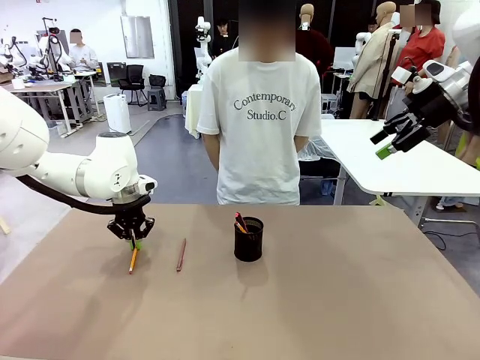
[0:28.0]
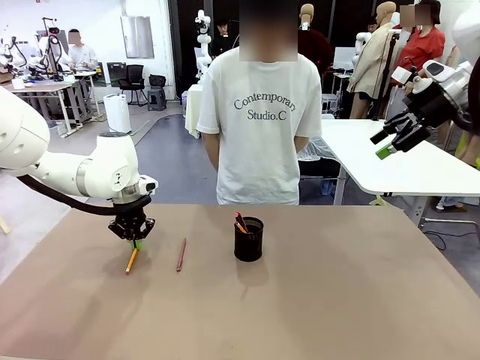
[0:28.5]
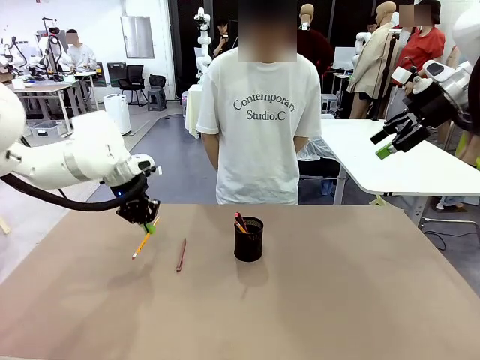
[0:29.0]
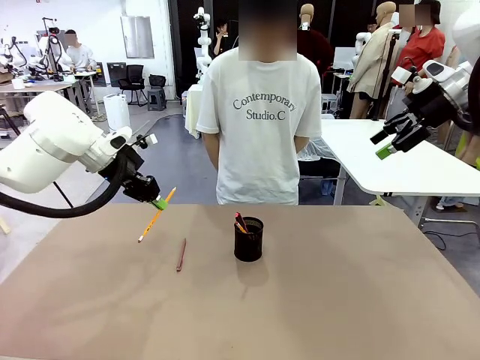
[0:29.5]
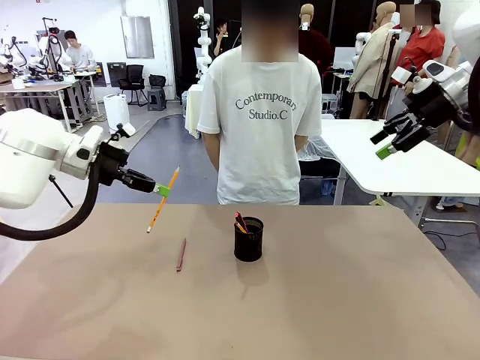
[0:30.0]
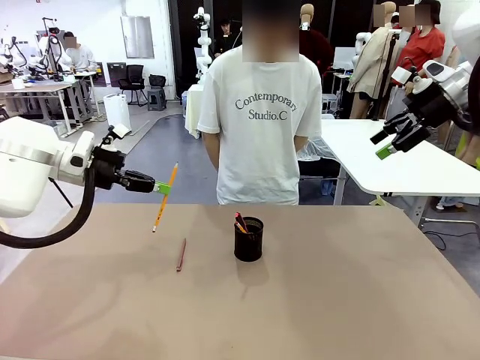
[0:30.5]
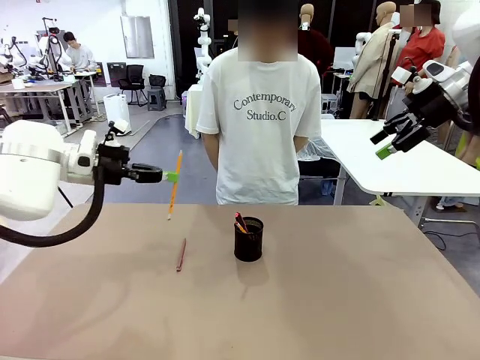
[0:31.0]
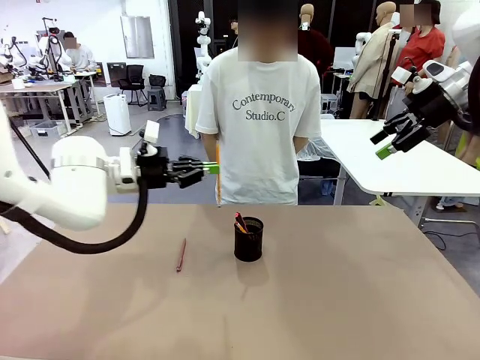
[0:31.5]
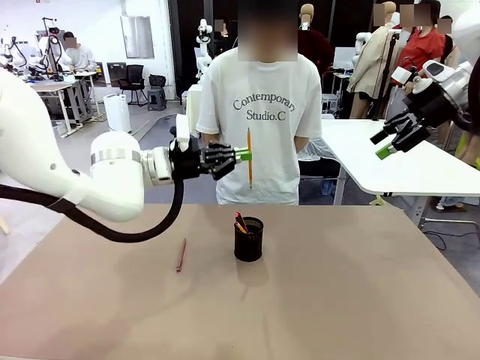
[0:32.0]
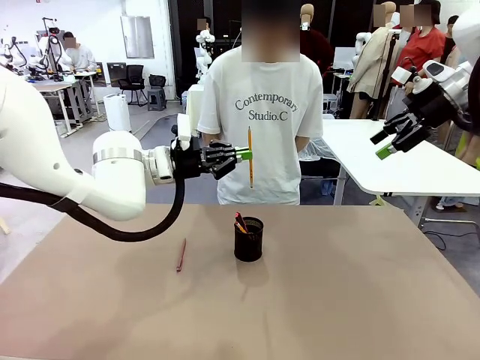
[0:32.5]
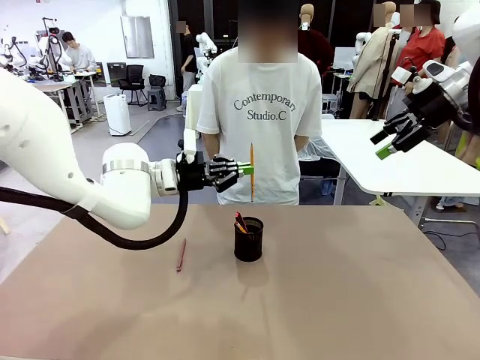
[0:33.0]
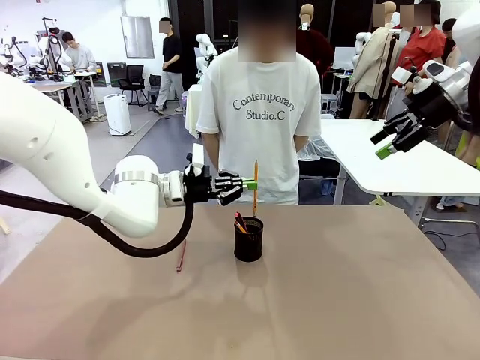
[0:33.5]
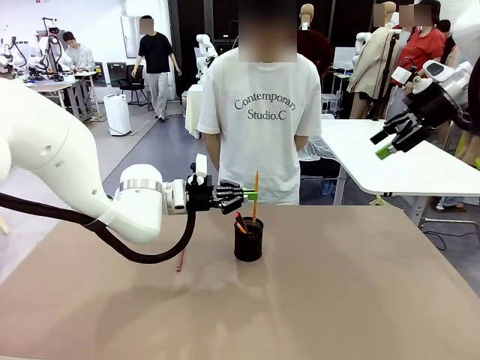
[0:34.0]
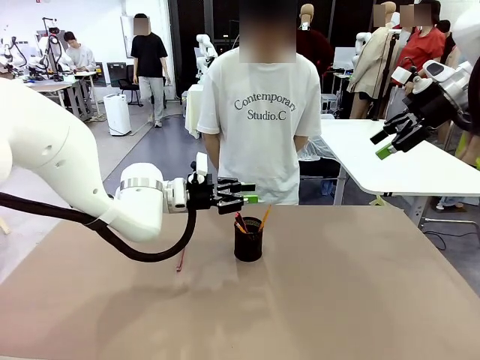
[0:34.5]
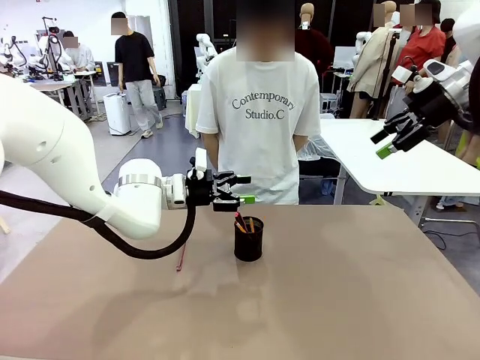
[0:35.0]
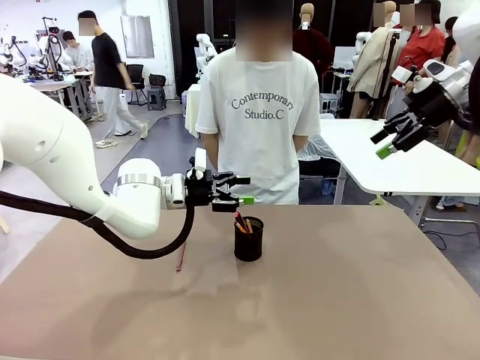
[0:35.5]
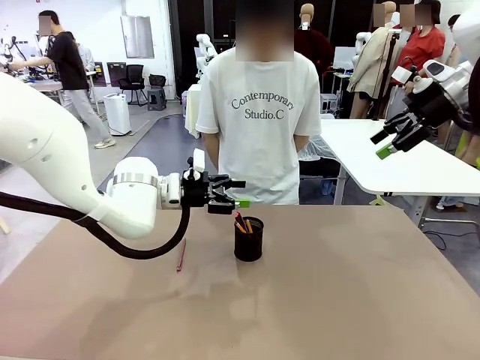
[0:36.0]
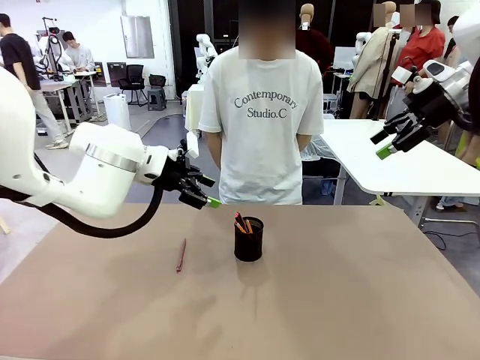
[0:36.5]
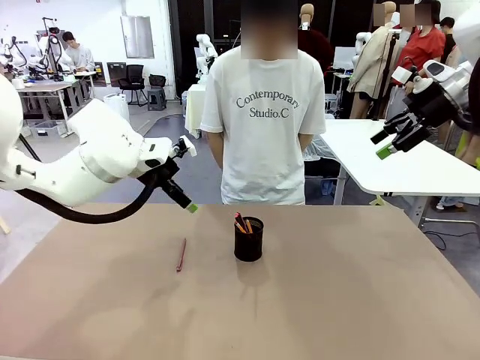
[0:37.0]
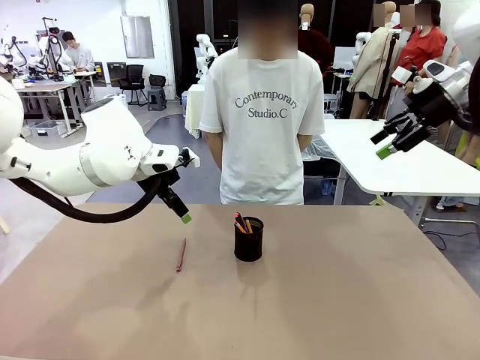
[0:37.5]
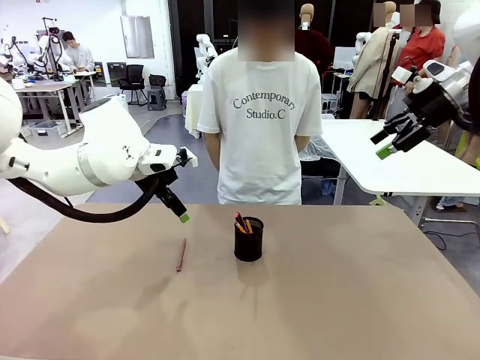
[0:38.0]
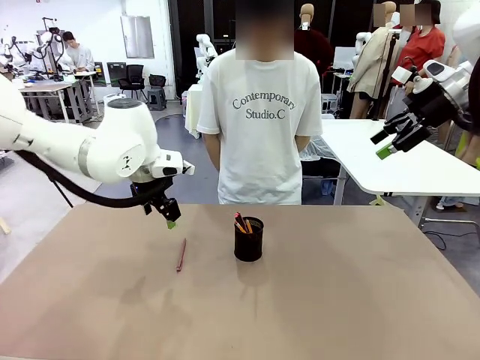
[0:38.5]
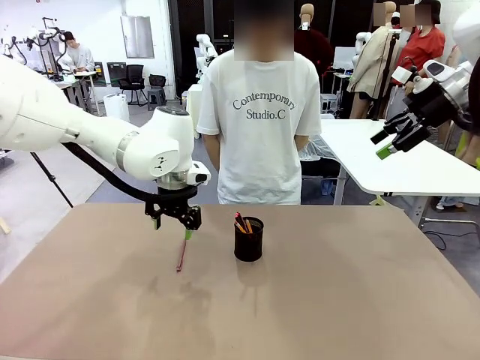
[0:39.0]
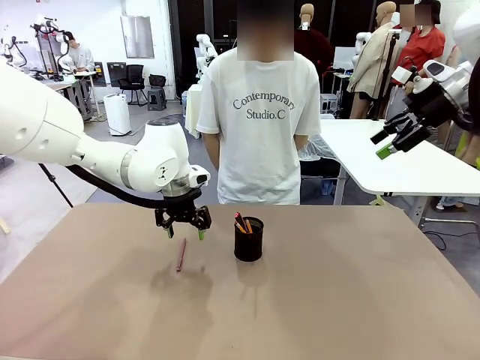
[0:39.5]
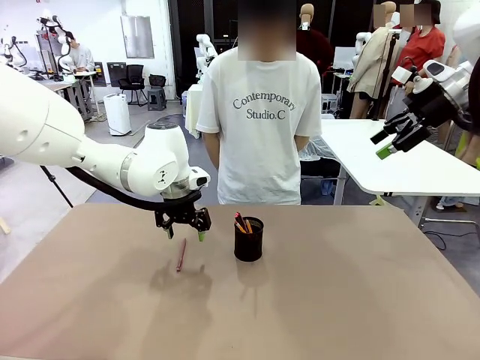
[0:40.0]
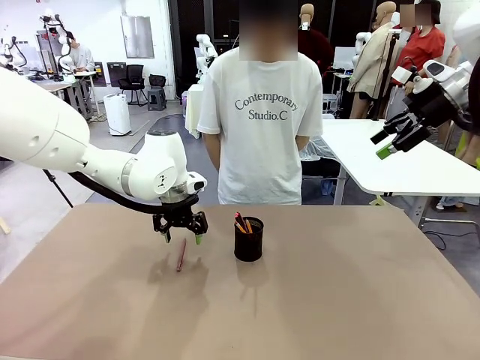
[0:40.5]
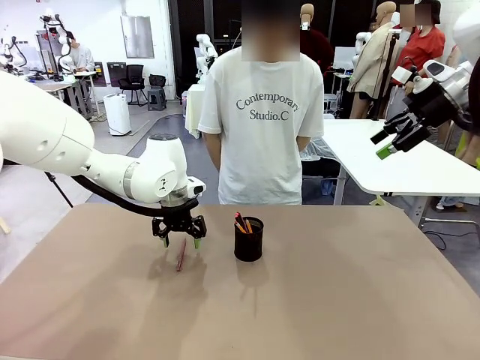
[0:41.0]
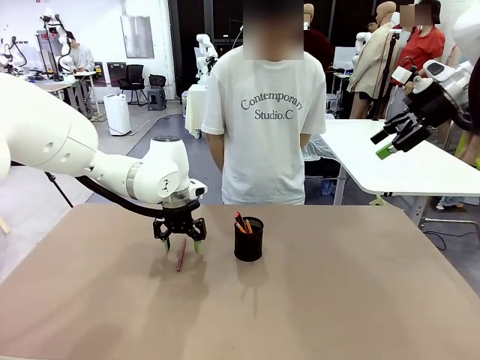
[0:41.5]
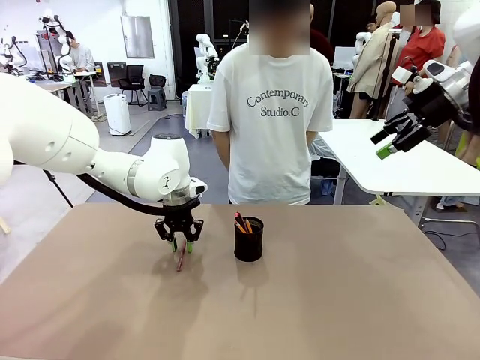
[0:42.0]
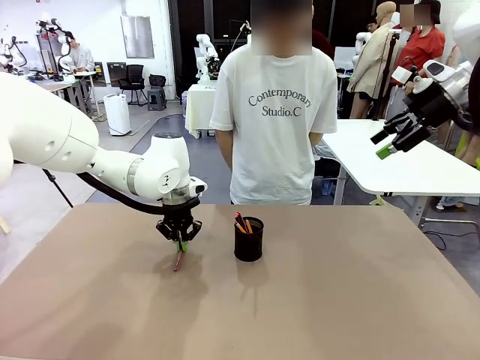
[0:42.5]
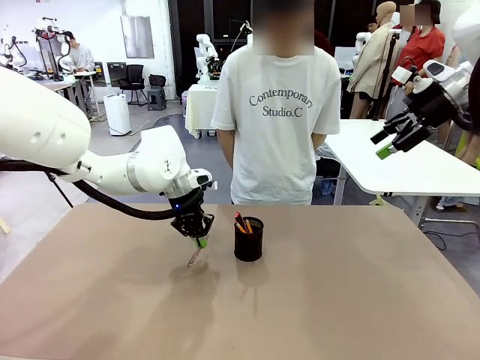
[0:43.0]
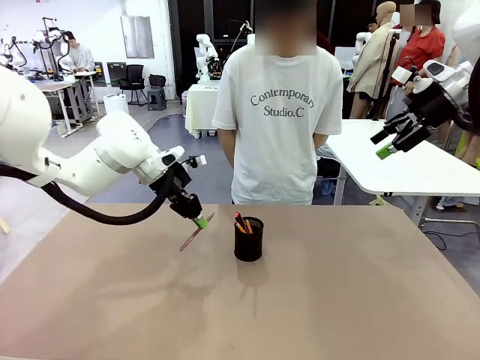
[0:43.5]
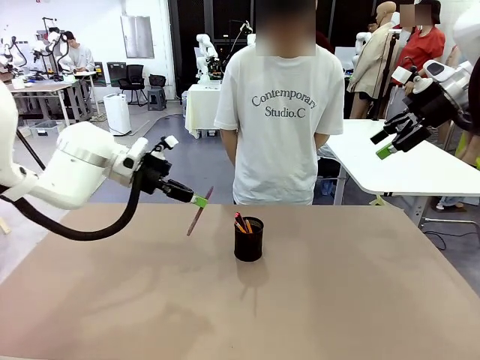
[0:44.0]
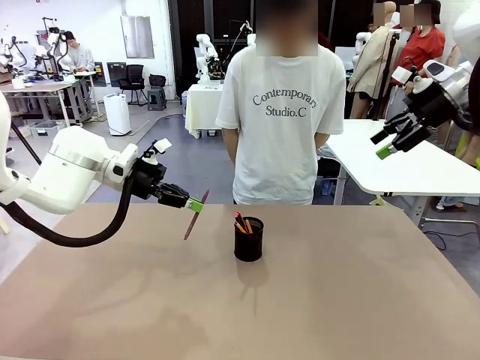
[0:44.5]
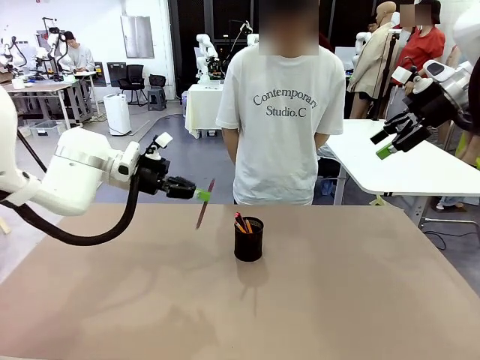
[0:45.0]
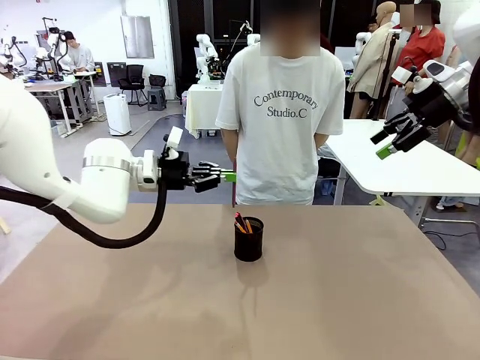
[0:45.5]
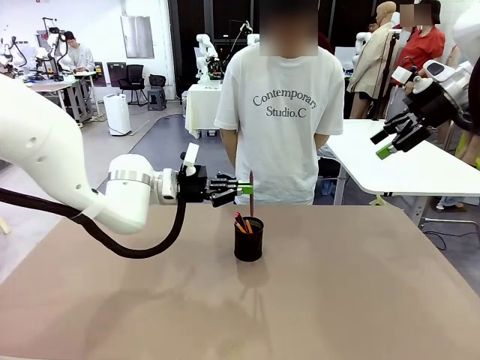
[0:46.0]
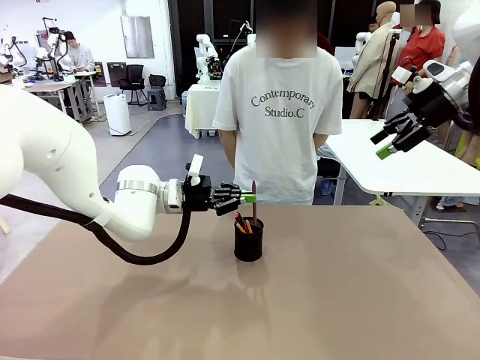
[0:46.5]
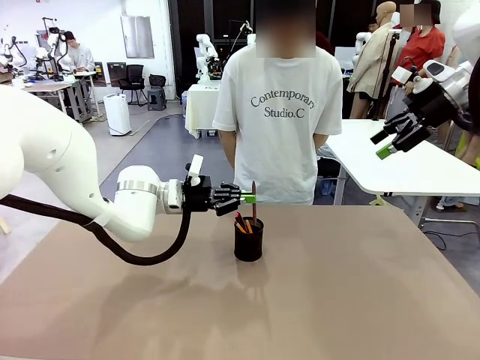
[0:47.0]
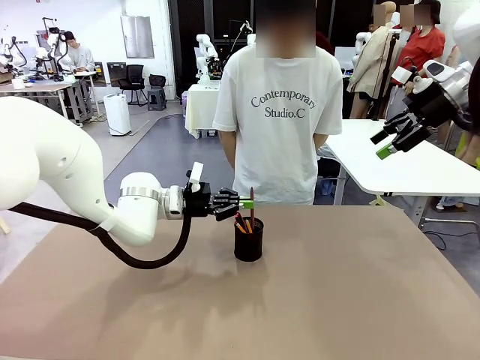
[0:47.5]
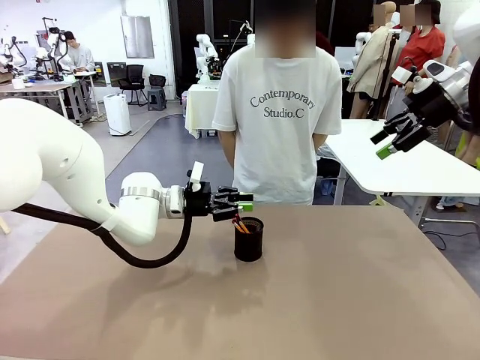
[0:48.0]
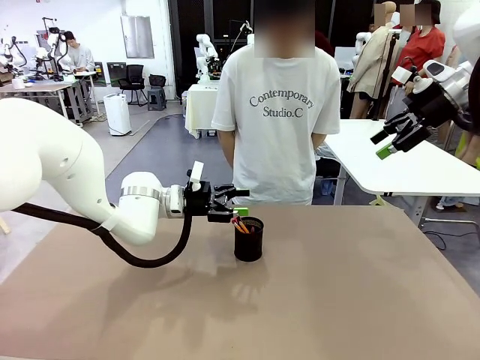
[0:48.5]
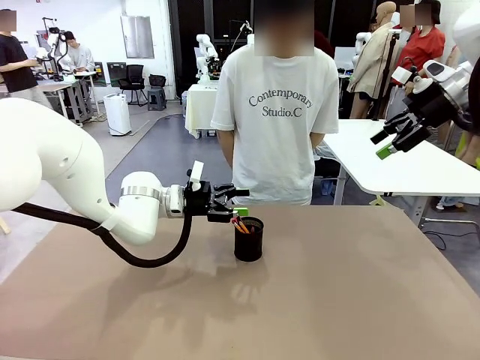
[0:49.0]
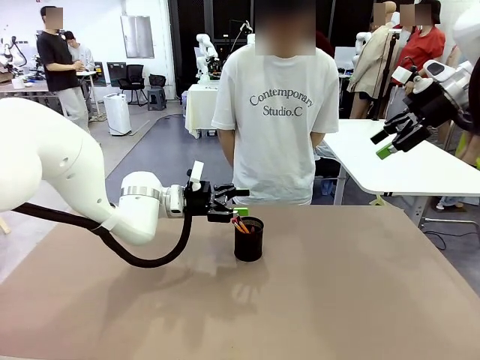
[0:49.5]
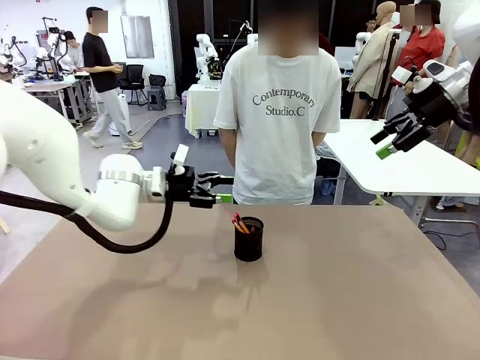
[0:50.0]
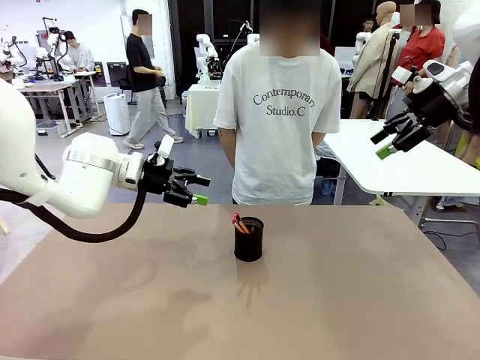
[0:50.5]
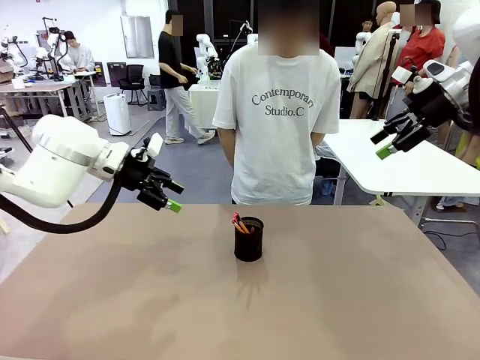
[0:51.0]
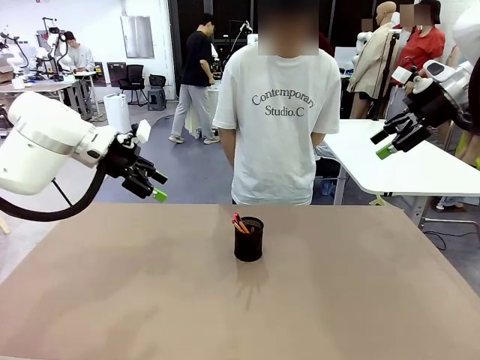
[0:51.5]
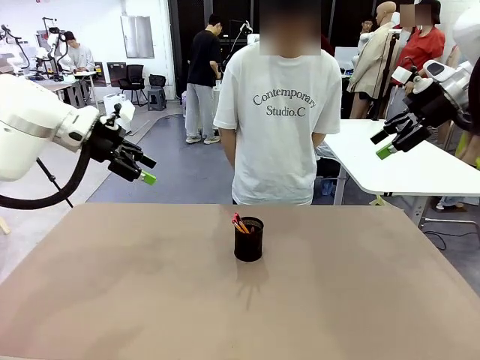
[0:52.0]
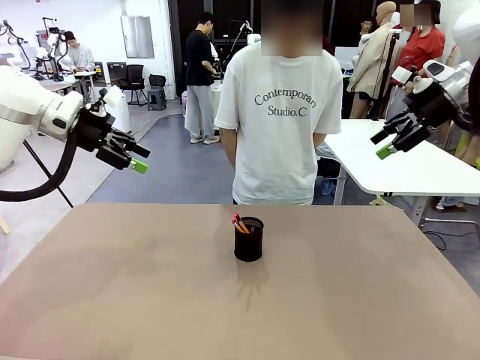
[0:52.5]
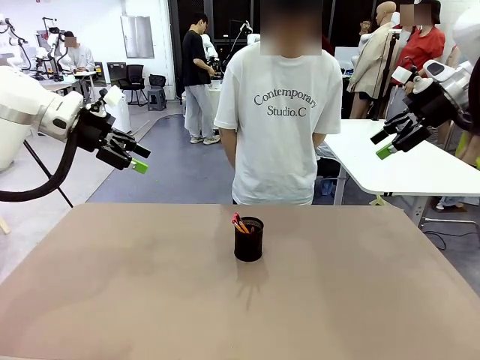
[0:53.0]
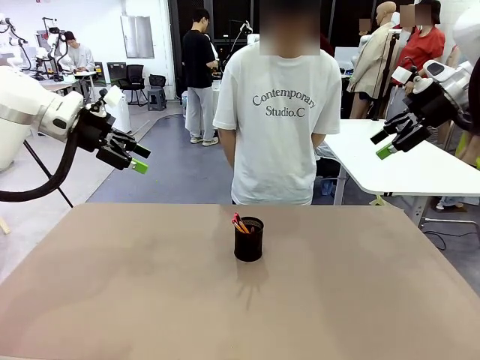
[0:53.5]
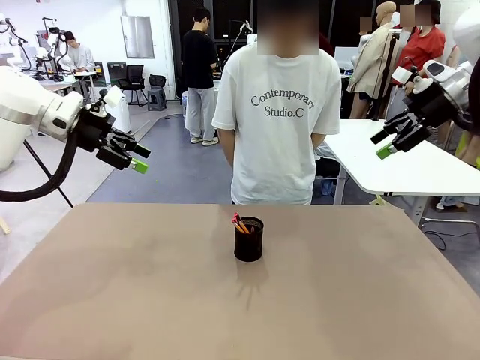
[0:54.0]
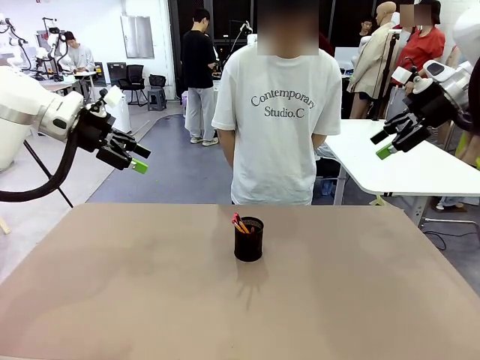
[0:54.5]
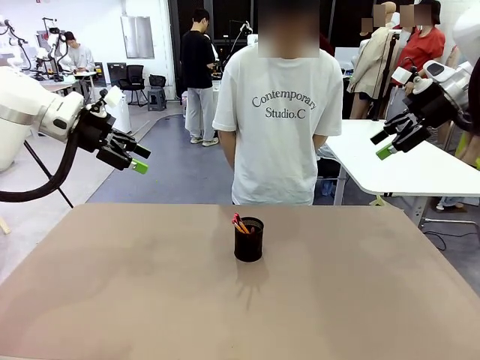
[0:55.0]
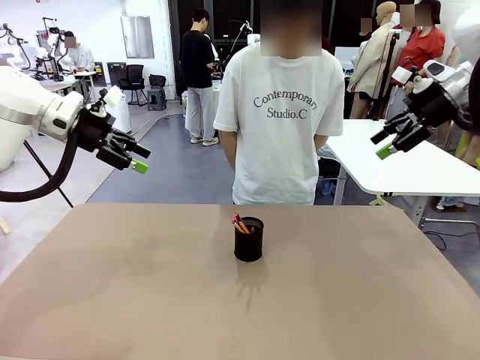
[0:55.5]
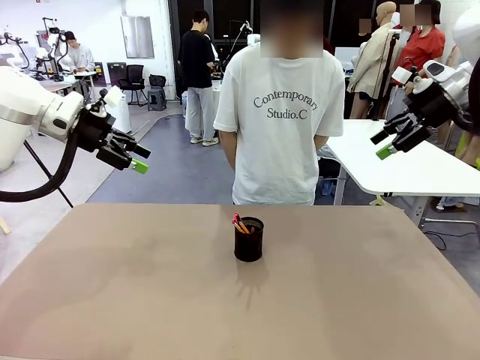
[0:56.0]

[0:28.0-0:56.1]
Task: Place the pens into the pen holder.
Robot: Pick up a writing instrument from the table and place it into the Pen holder.
Person: Place all writing instrument into the Pen holder.
